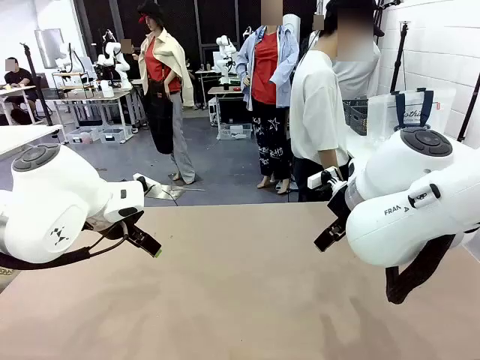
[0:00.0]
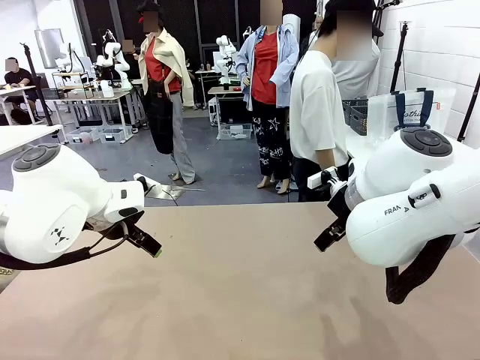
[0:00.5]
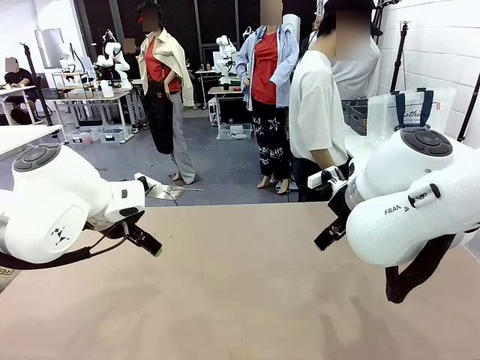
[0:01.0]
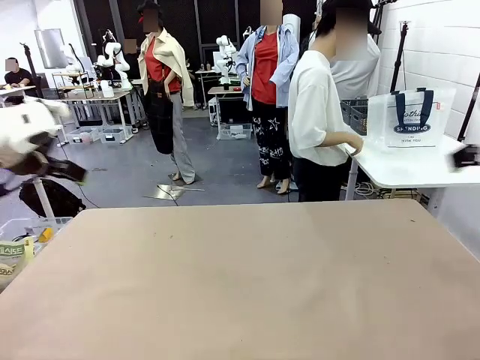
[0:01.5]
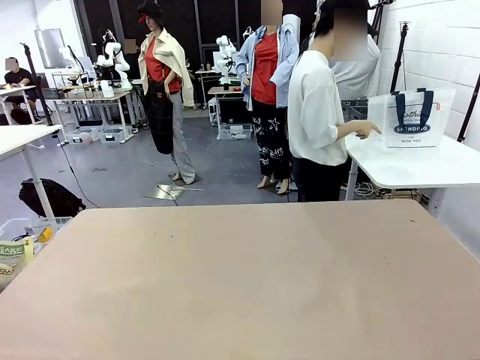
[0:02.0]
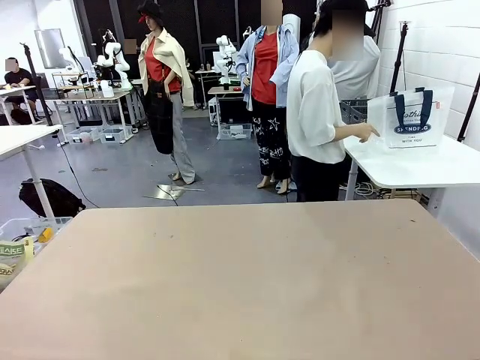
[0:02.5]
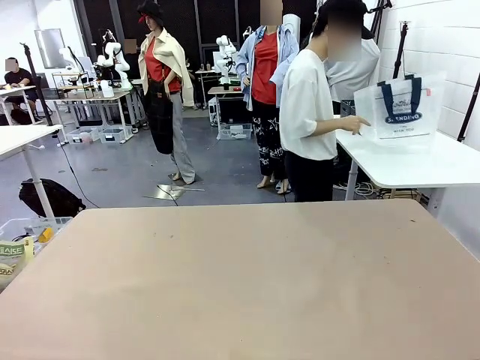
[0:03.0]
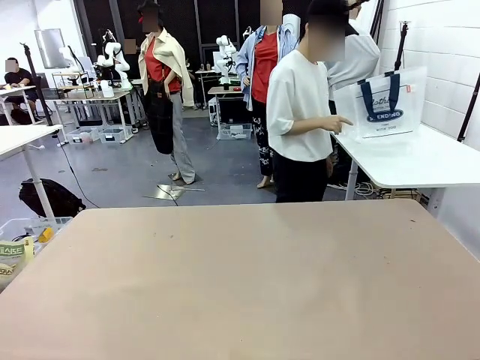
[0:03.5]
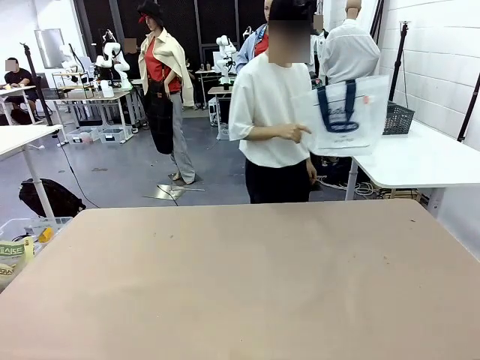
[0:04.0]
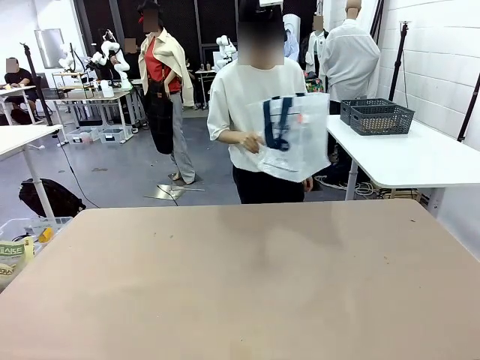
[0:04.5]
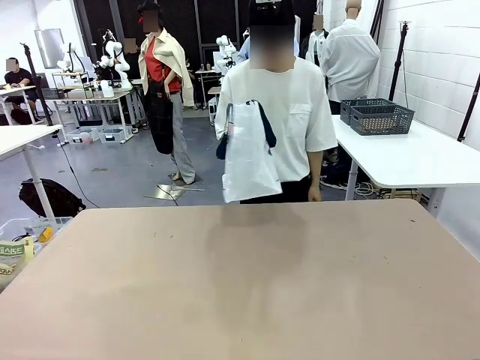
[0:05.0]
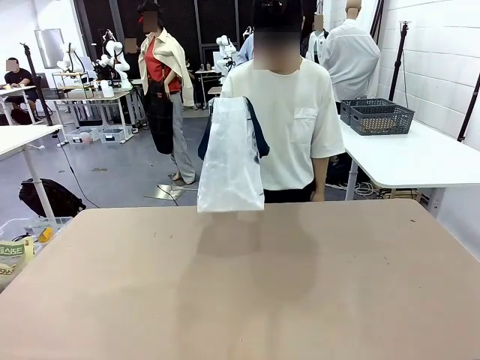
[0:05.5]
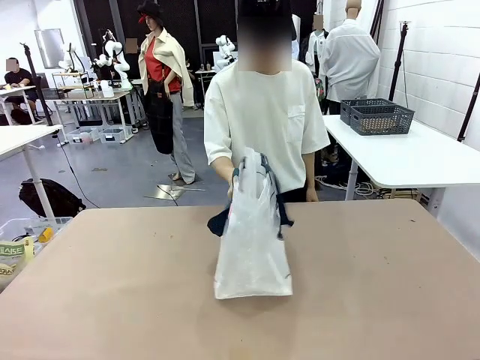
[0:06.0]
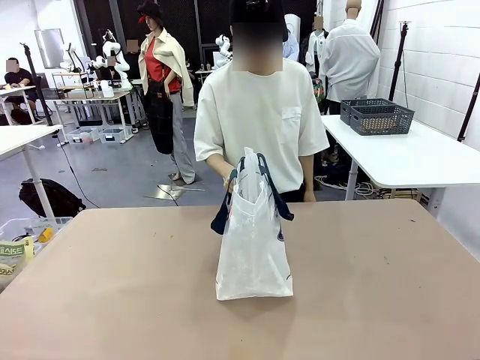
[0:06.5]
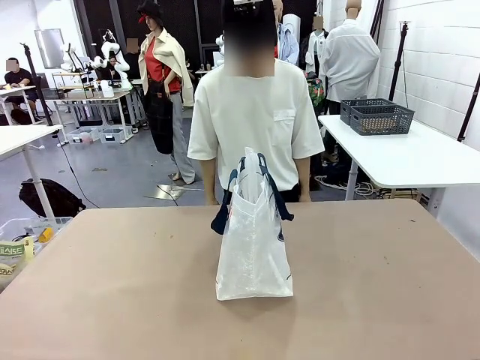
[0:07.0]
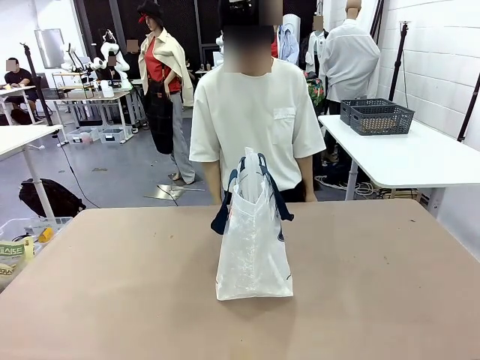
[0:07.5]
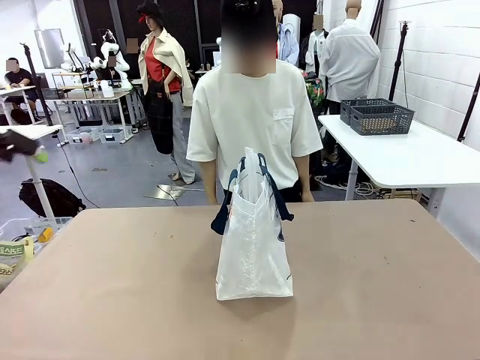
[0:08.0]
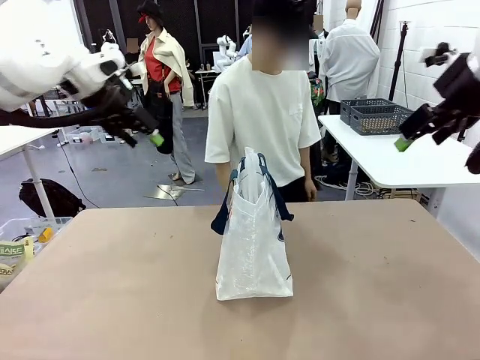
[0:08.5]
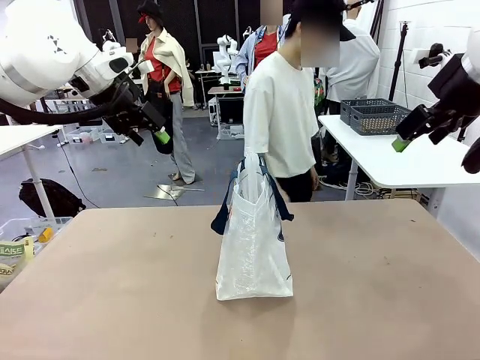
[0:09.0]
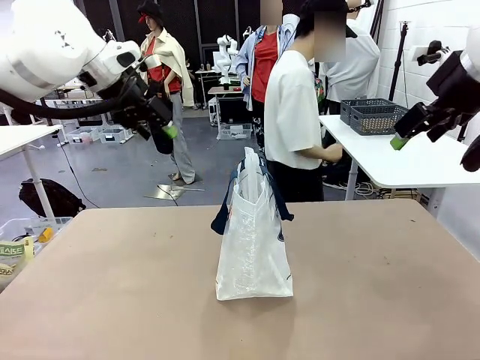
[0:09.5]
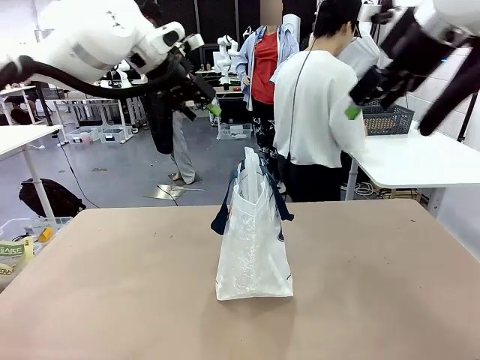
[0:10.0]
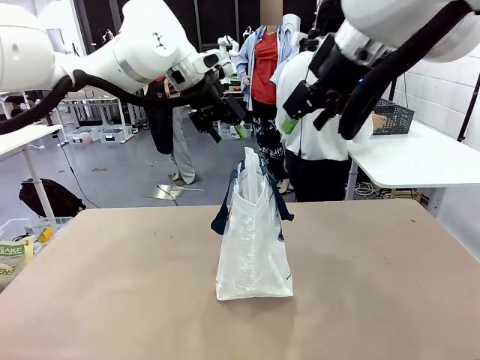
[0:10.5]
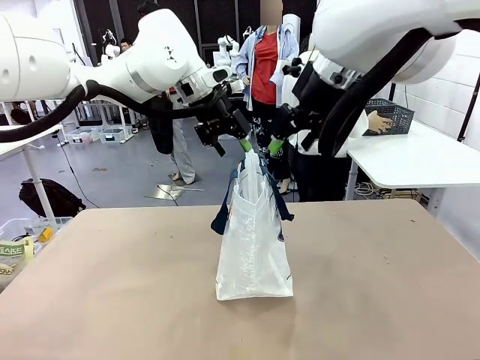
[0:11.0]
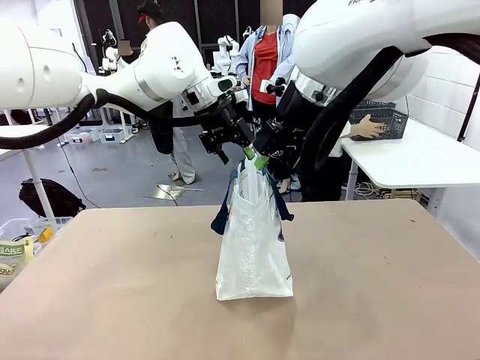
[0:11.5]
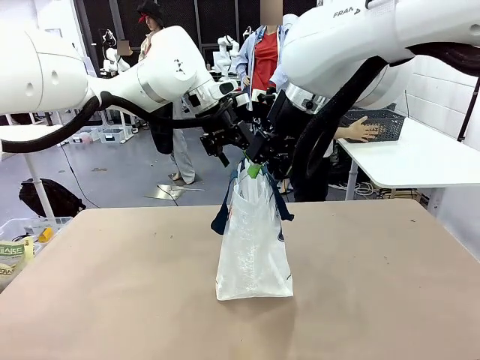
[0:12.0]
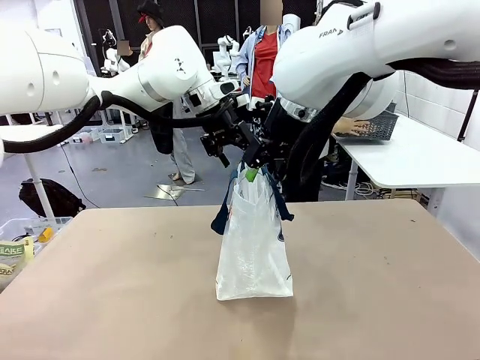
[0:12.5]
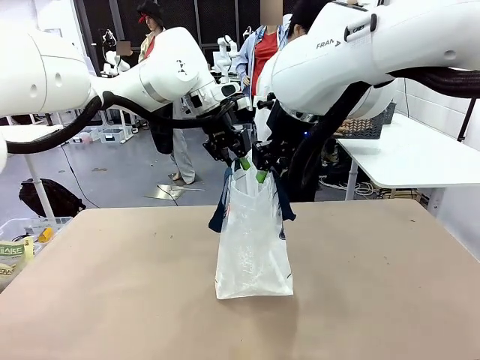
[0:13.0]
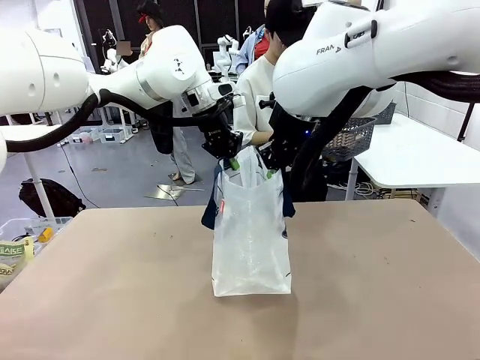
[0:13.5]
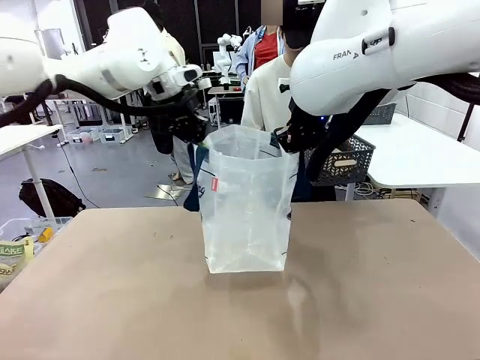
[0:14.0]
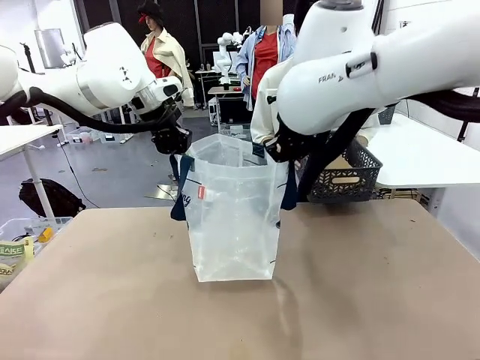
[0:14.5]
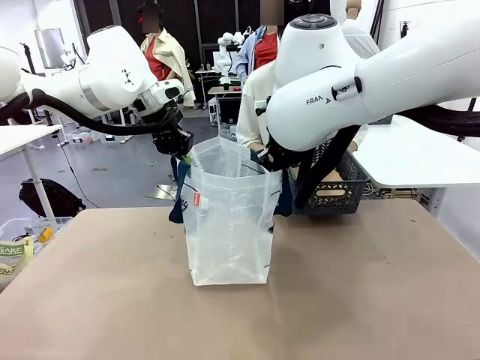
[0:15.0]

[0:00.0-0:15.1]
Task: Transfer purchased items from the store into the shopping bag.
Robot: Open the Reusable shopping bag in the center of the table.
Person: Pick up the shopping bag and place it in the middle of the robot table. Pick up the basket on the right, place it on the left side of the robot table, and move the items in the basket to the shopping bag.

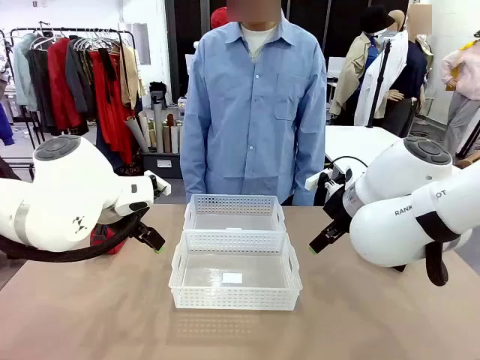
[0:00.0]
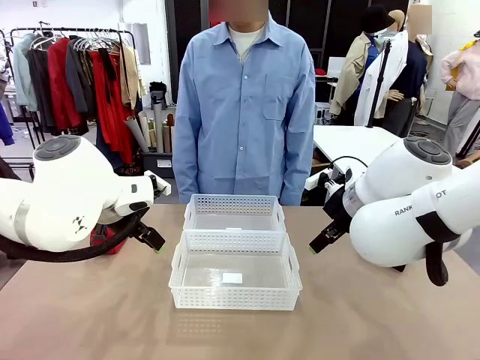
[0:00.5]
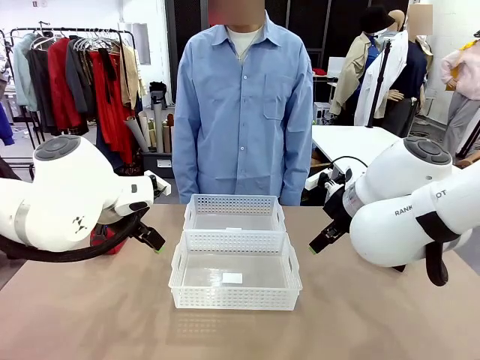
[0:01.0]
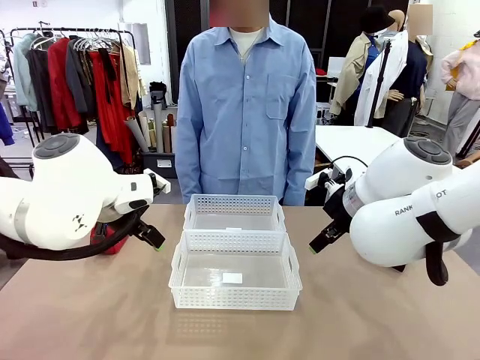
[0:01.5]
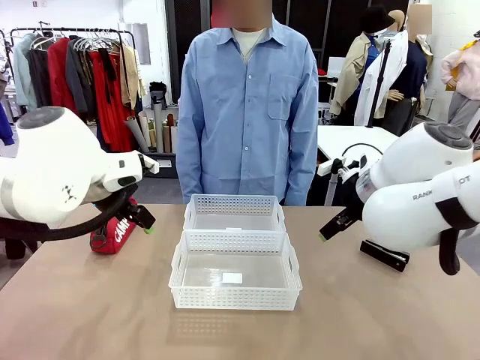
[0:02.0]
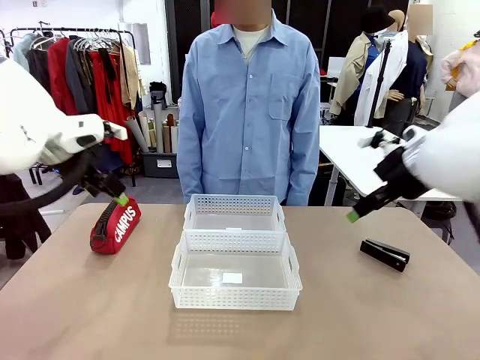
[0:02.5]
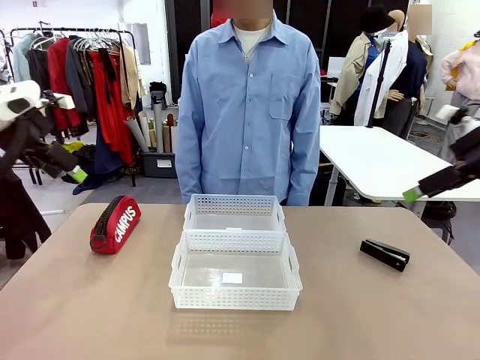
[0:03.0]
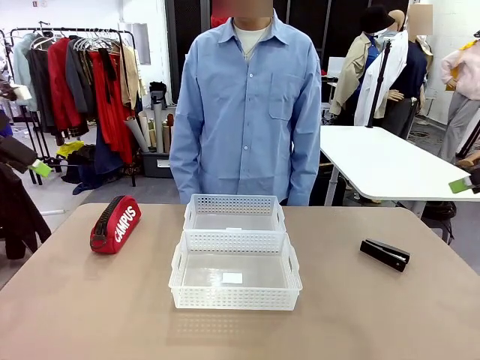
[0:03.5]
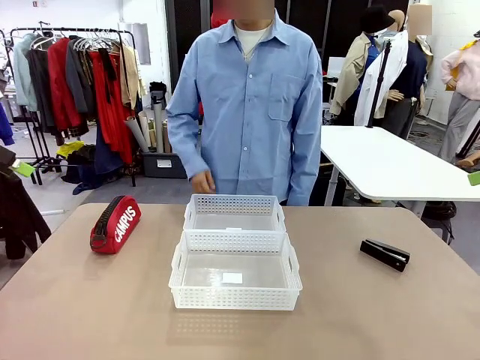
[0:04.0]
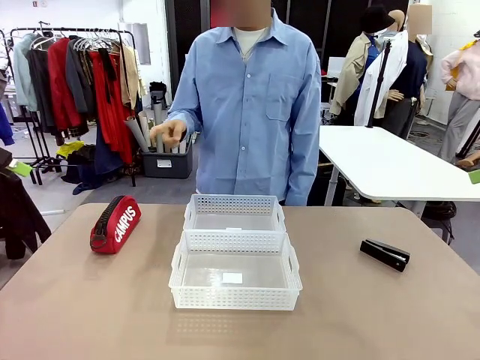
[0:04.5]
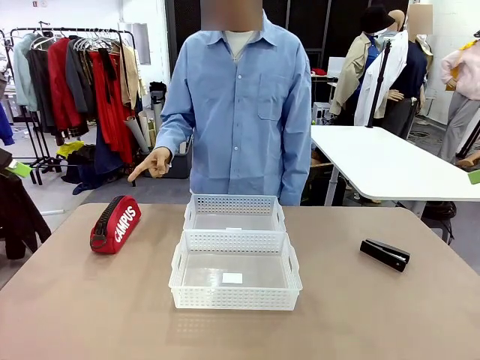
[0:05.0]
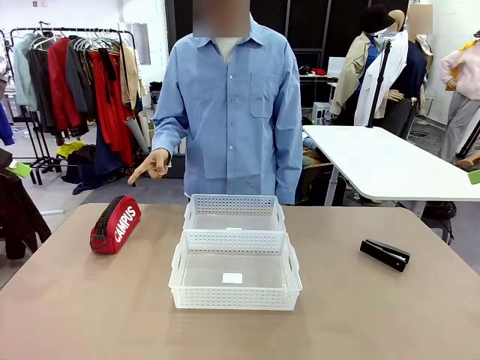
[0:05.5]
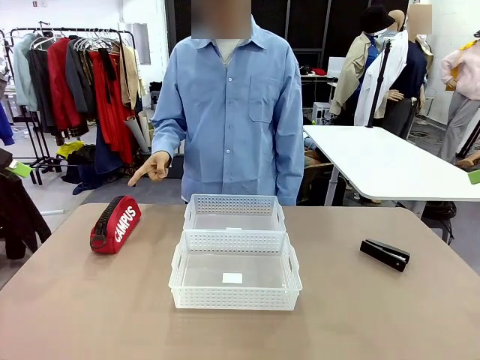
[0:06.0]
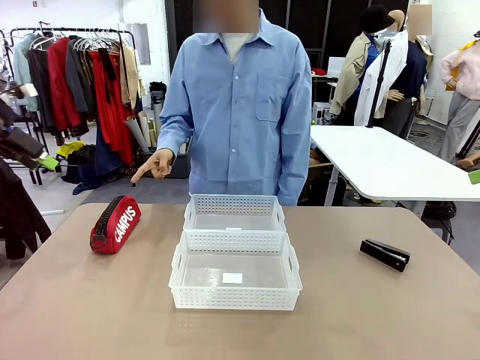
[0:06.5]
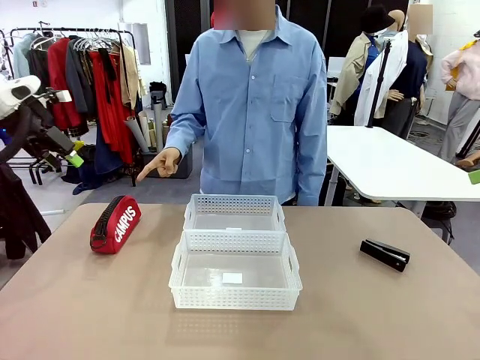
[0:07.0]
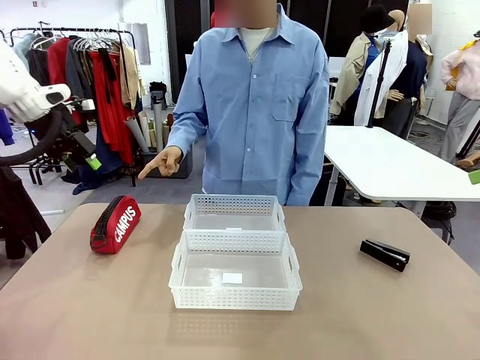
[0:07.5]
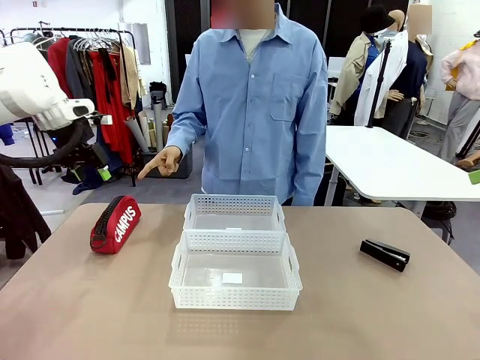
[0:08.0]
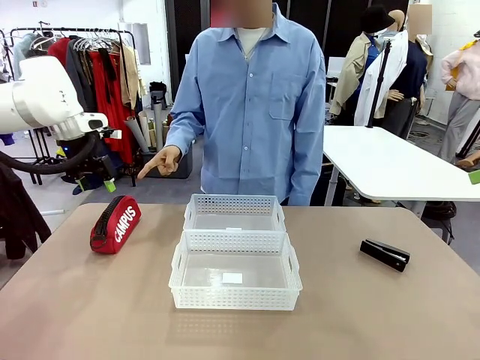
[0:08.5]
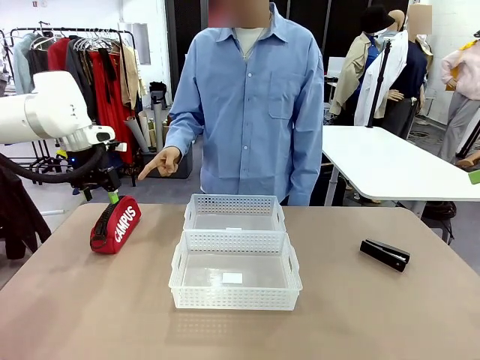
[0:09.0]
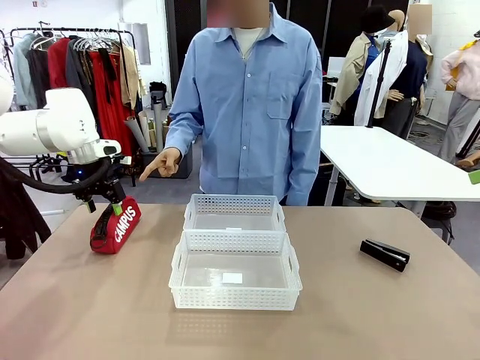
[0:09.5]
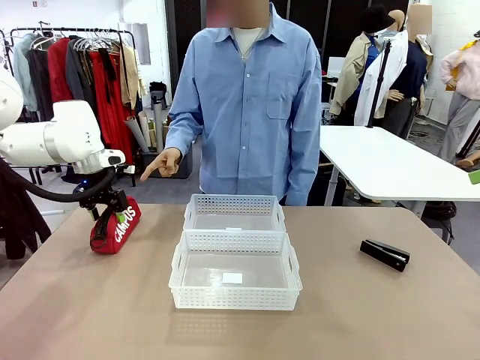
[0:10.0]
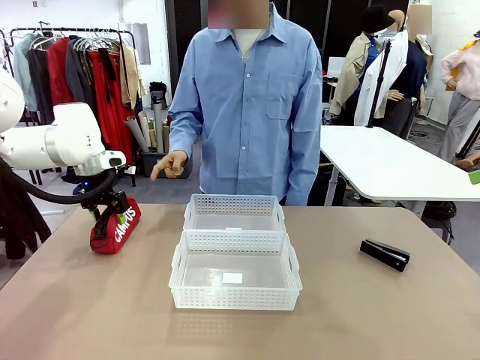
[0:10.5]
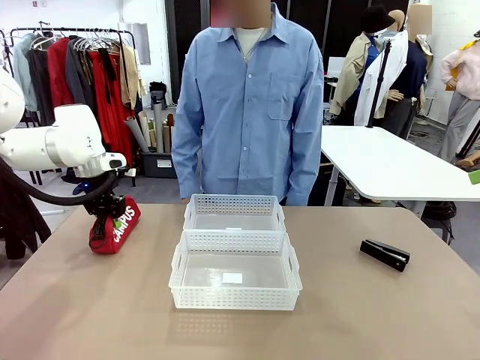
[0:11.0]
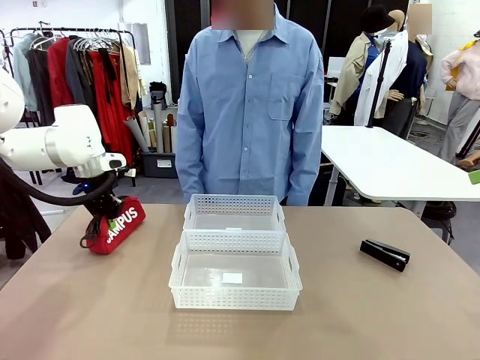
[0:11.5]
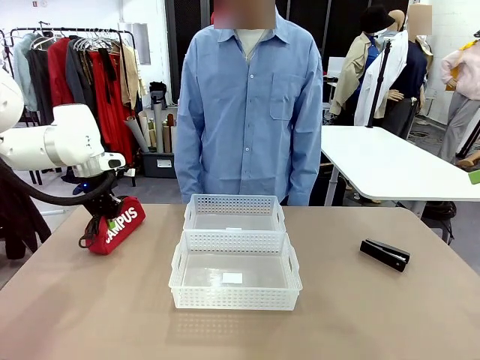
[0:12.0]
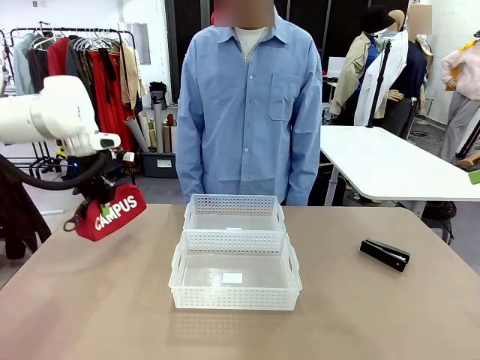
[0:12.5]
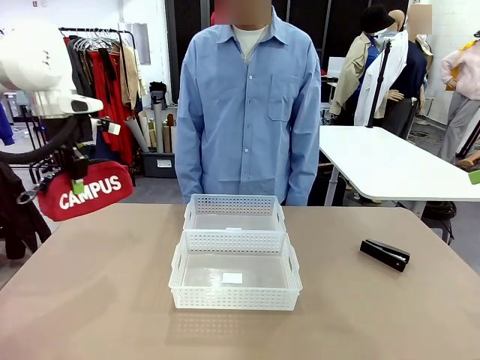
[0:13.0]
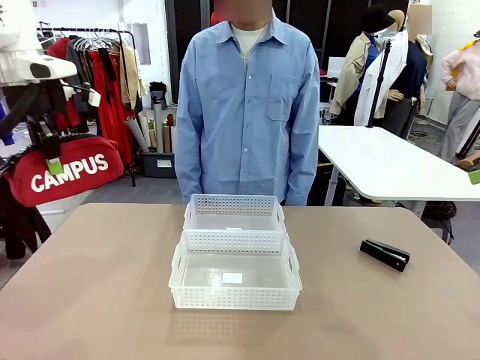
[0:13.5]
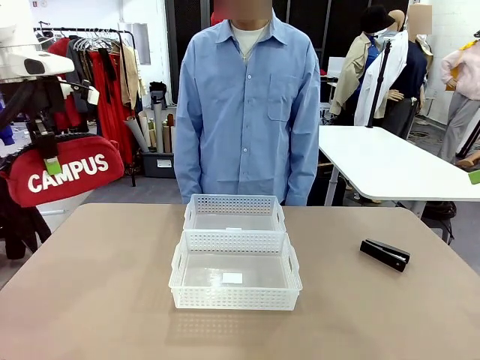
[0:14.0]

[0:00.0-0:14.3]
Task: Distribute items into two baskets.
Robot: Pick up the Pencil pouch that the person points to.
Person: Points to the pencil case. Points between the two organizing baskets and instructs the robot to move the pencil case.
